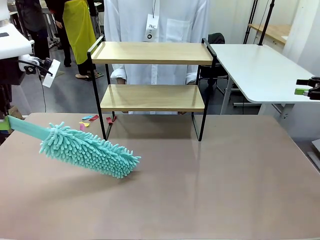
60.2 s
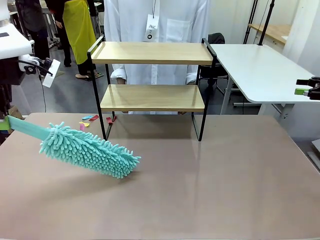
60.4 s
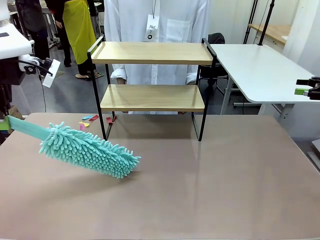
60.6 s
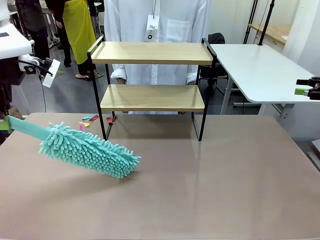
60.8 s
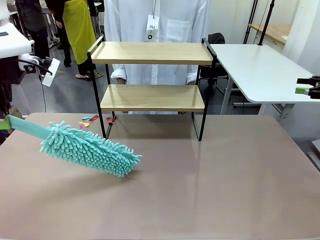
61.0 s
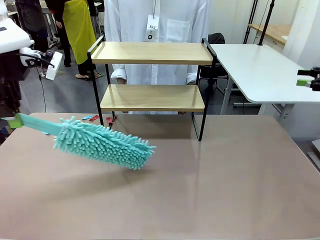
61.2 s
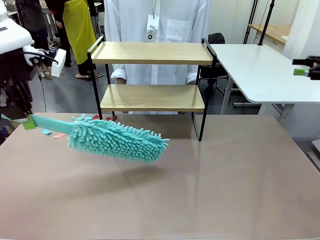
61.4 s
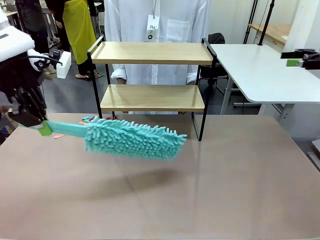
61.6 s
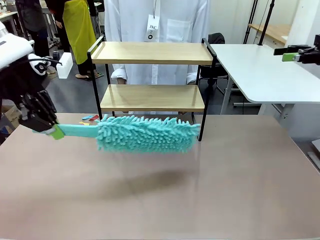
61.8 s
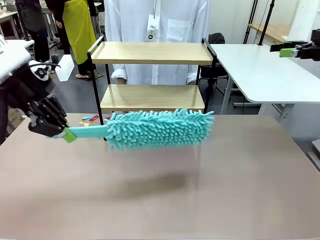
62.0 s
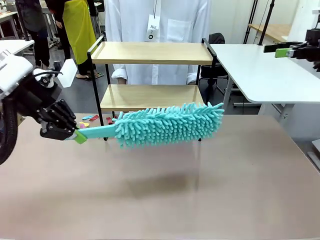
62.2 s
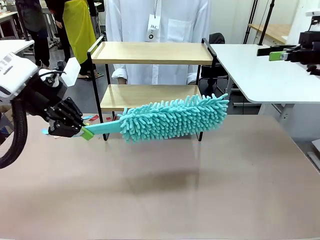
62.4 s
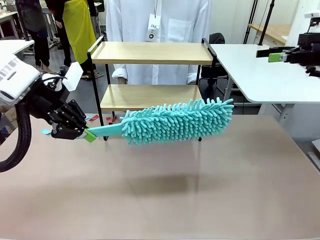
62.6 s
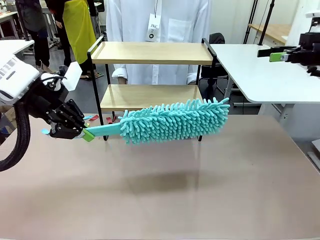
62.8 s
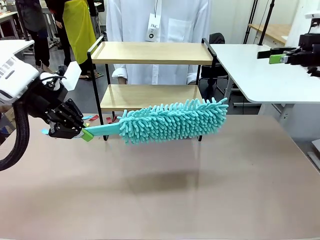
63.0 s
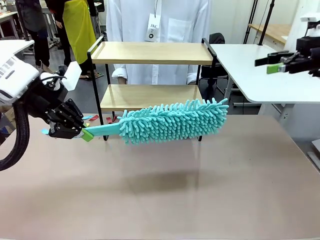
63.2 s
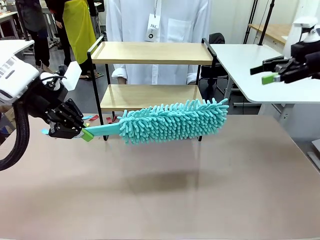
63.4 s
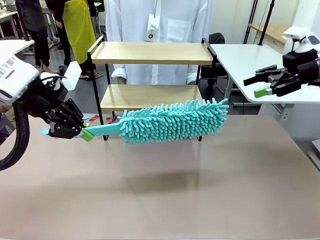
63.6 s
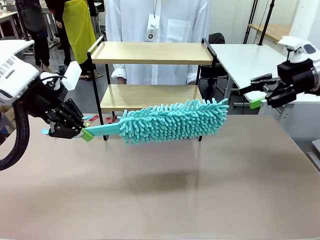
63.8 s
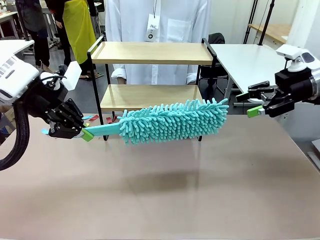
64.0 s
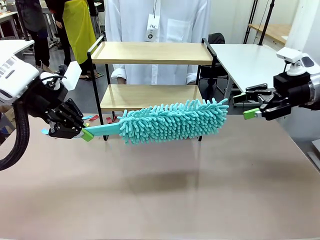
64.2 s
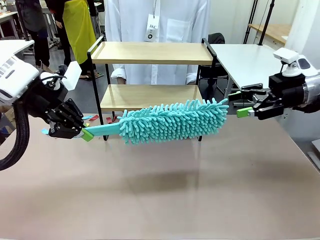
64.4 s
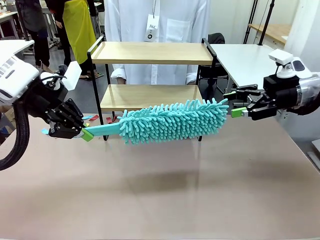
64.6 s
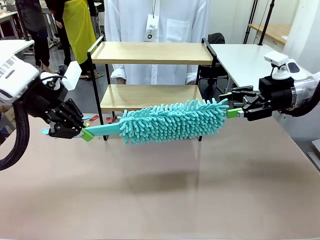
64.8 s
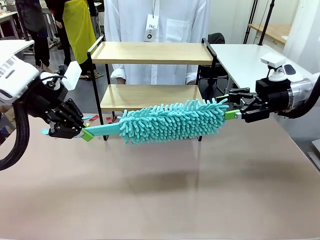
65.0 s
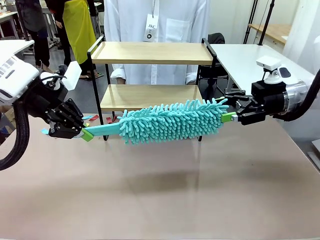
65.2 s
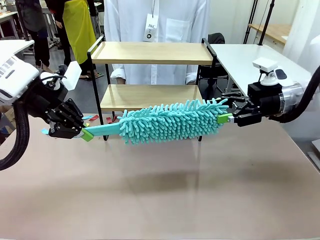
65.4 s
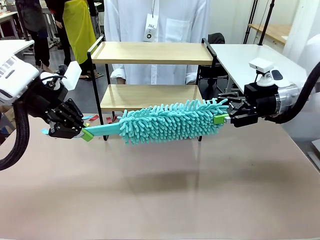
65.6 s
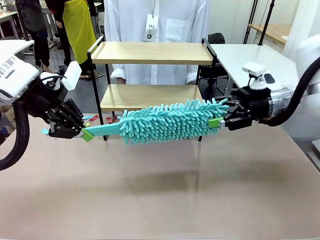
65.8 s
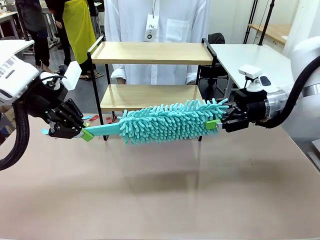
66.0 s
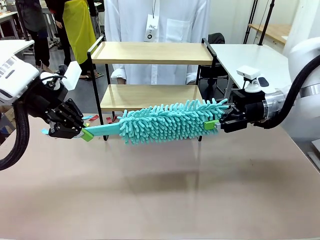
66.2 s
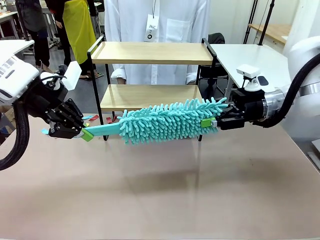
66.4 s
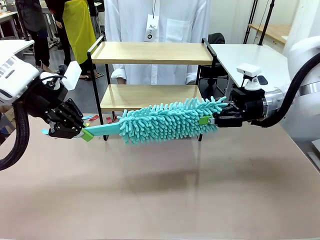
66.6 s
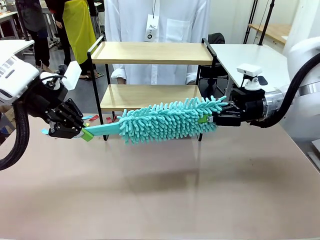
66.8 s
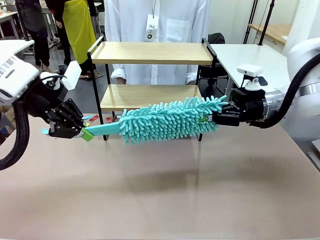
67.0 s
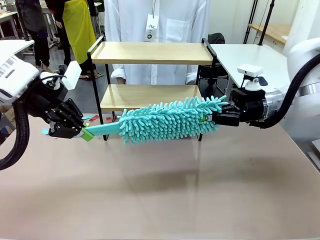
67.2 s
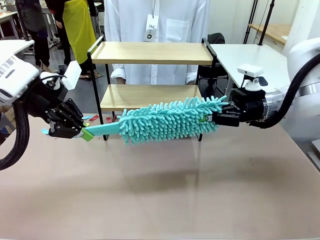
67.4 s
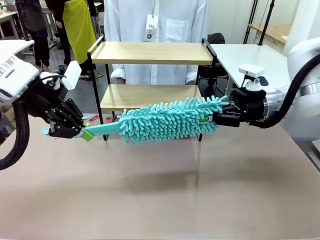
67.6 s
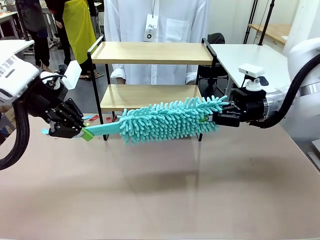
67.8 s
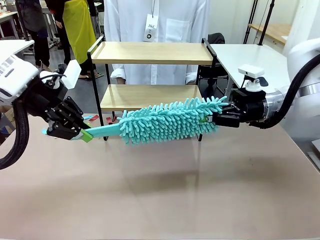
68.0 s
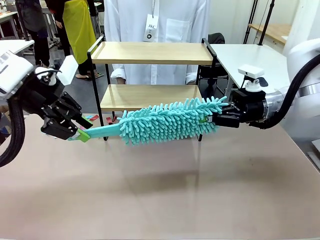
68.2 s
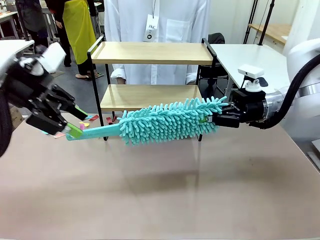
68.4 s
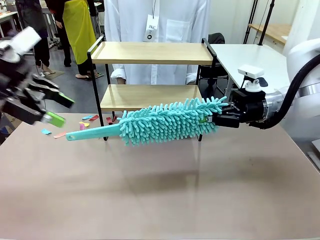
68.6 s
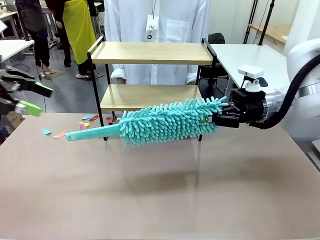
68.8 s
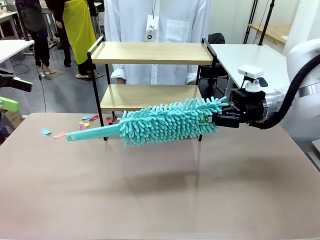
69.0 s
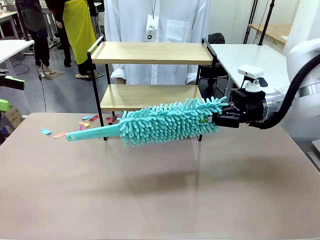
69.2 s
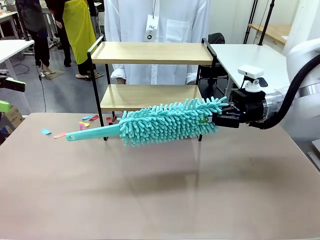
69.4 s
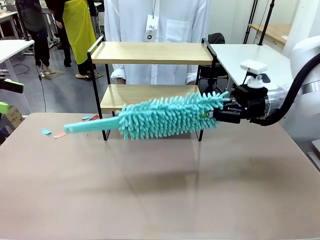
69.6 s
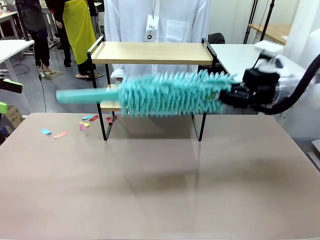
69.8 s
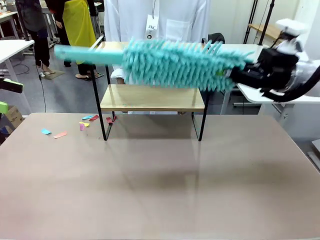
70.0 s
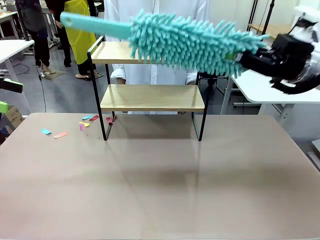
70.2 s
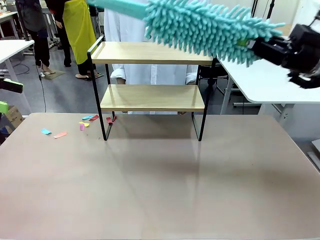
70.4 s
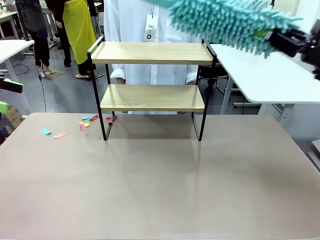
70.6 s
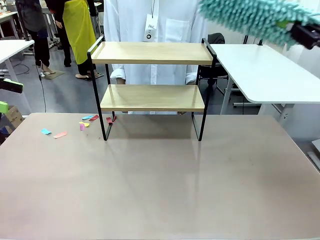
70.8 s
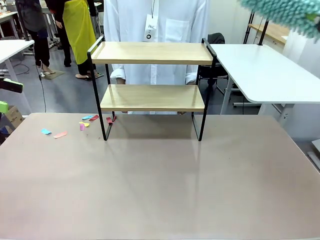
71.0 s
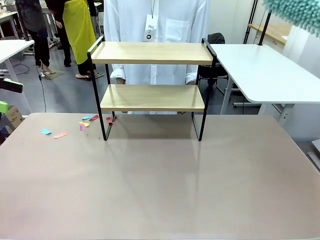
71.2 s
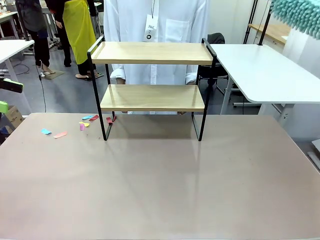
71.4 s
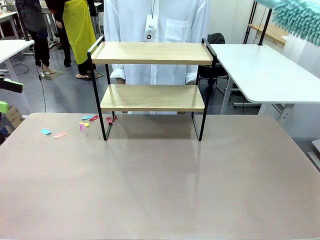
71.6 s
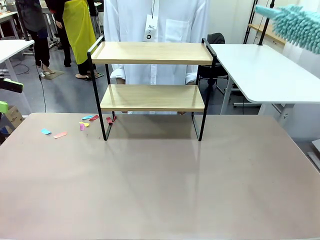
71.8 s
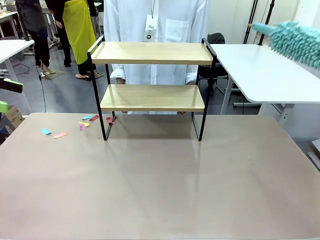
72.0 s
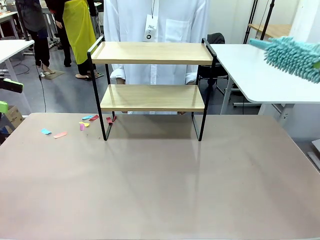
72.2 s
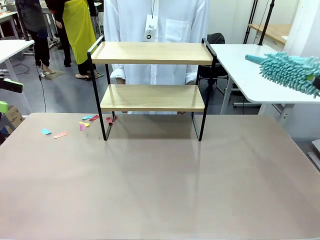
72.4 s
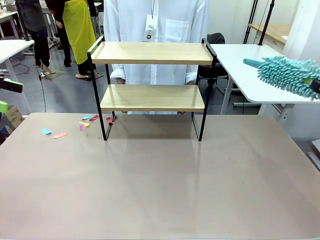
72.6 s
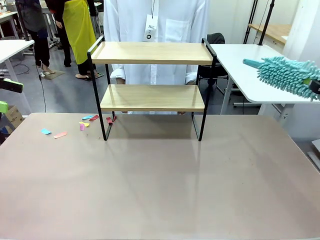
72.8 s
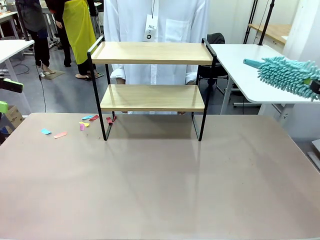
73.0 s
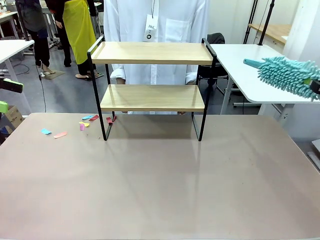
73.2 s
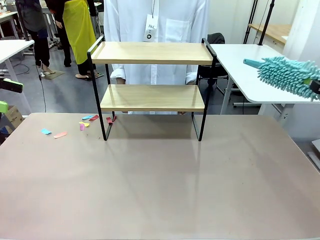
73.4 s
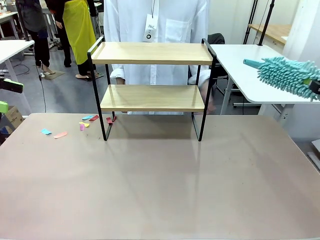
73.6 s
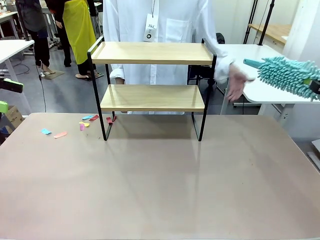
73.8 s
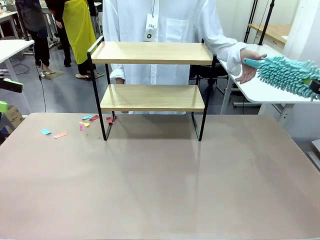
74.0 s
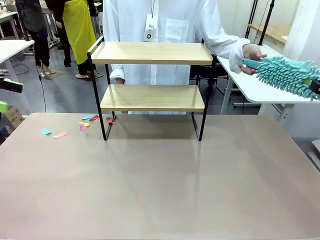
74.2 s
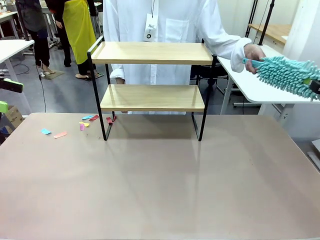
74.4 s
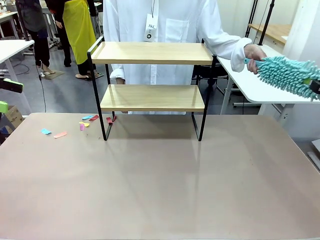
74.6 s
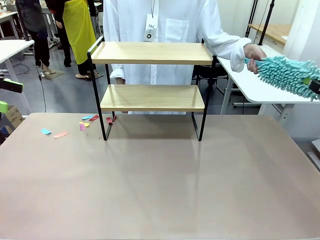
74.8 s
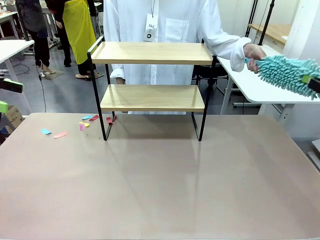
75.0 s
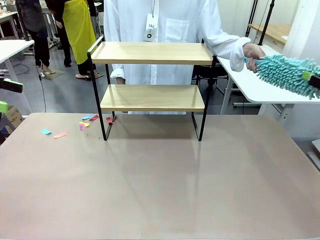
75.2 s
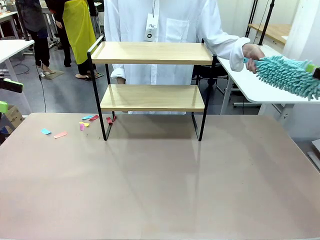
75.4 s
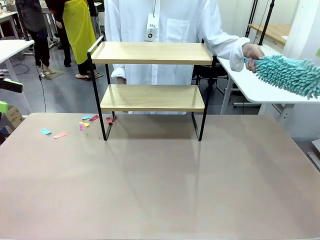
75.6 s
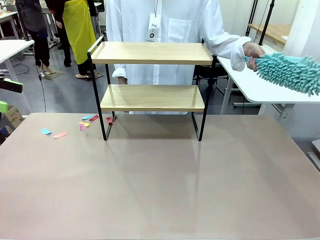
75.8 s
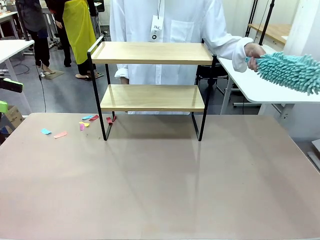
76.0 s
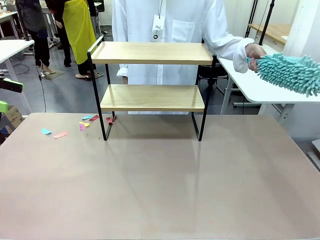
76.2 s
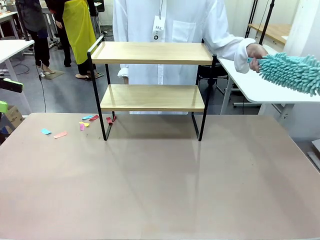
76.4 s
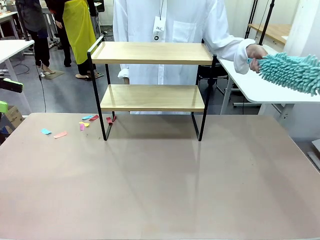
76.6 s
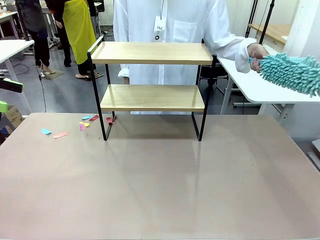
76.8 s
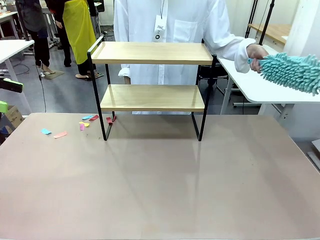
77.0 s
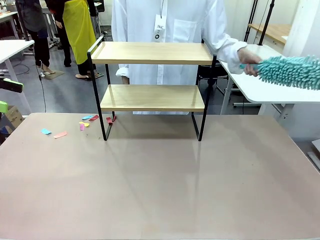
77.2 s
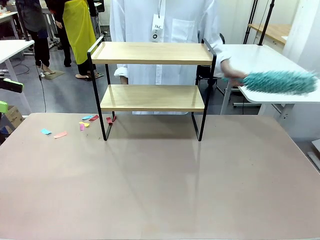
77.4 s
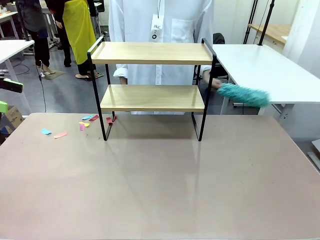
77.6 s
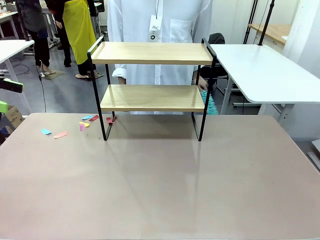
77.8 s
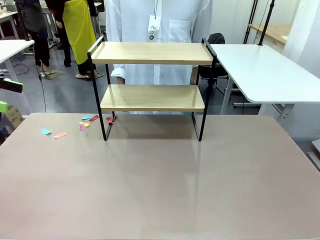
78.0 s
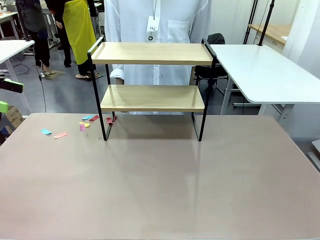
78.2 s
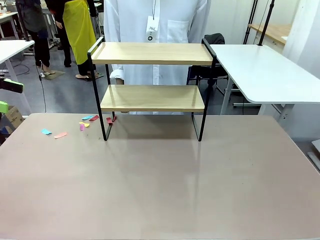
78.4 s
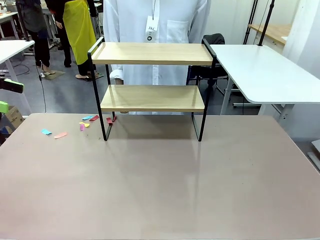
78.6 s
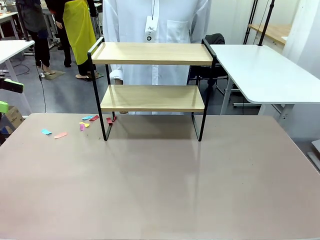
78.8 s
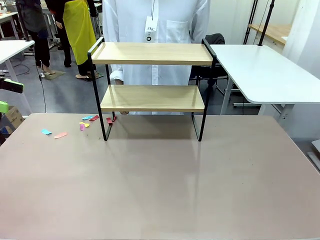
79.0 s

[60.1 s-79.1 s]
Task: Clean the shelf.
Robot: Hand the Duster back to the human.
Person: Receive the Duster from the robot.

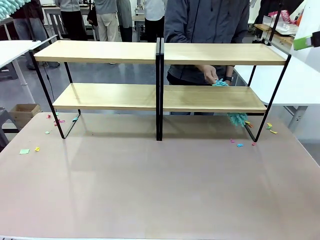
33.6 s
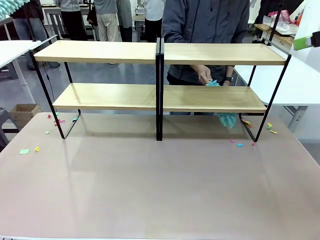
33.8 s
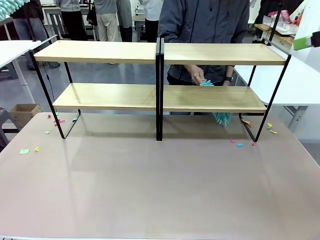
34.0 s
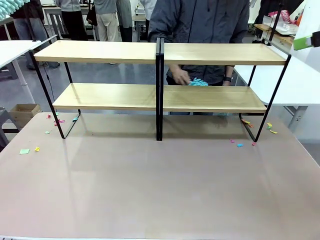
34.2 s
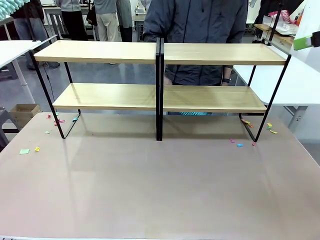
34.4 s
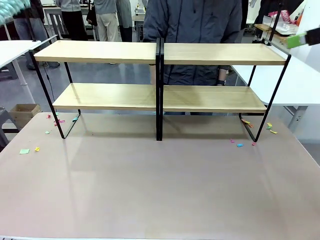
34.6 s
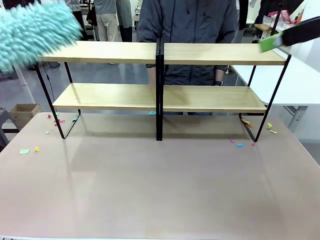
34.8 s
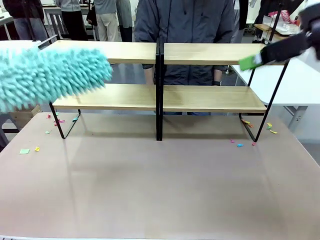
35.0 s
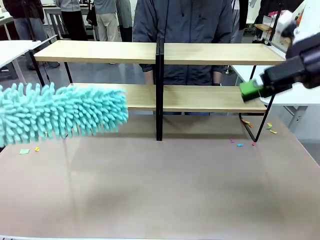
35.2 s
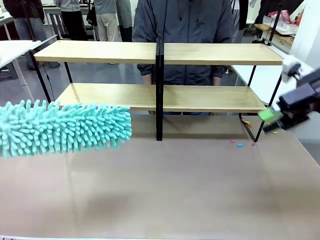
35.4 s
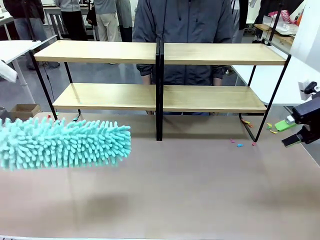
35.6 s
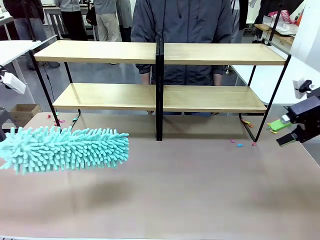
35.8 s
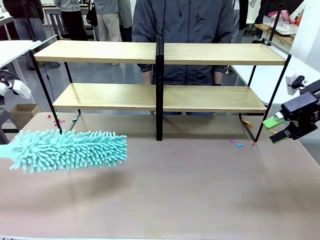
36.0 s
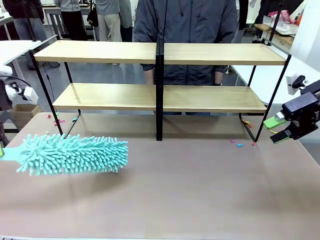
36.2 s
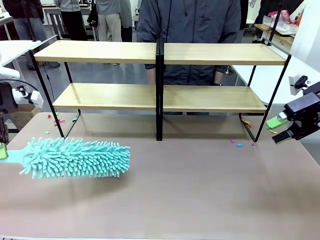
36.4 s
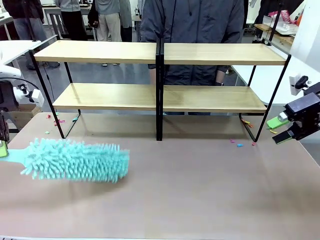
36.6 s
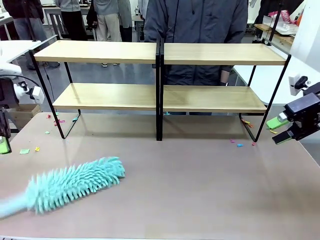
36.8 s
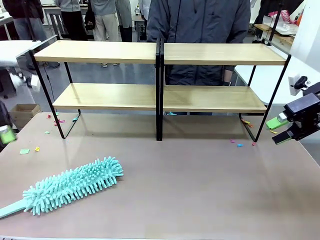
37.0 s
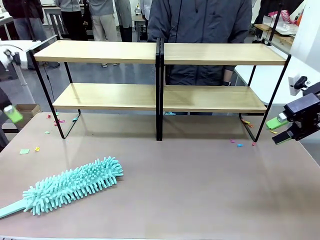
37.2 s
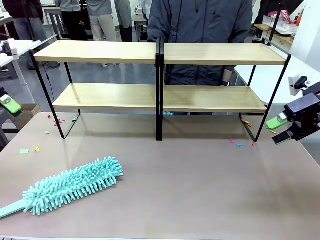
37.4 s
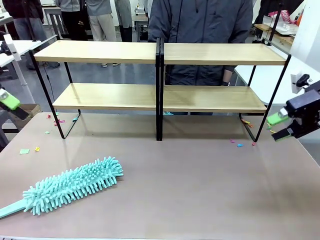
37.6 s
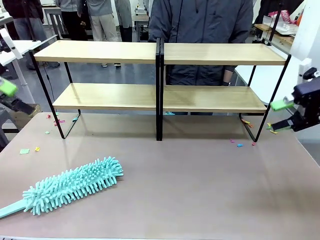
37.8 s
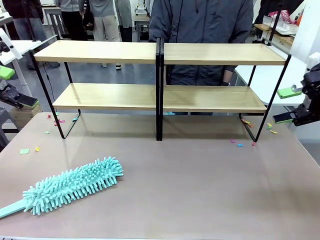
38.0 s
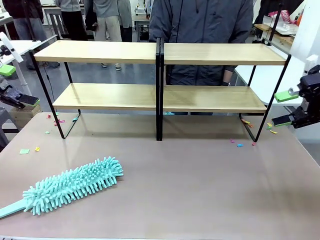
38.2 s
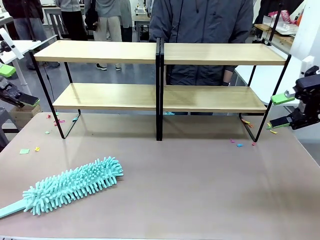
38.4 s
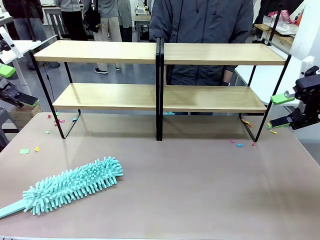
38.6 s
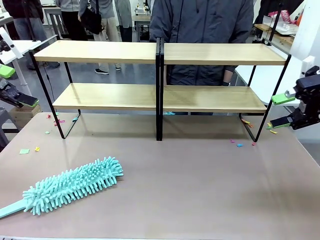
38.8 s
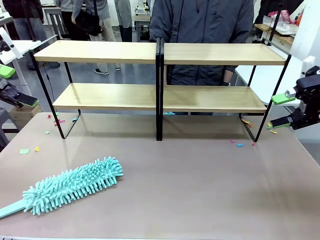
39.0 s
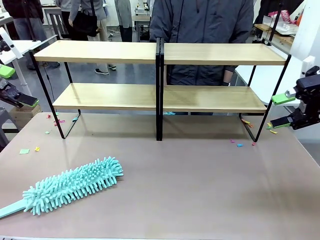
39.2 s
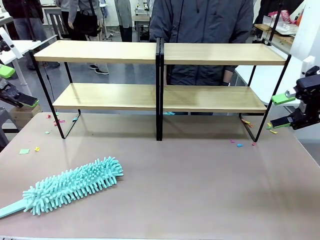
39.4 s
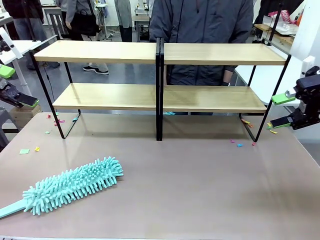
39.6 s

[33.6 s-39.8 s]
Task: Clean the shelves.
Robot: Place the Duster on the table.
